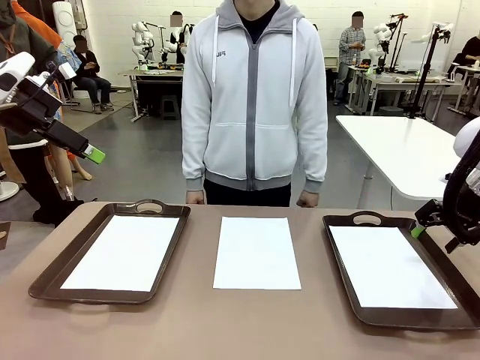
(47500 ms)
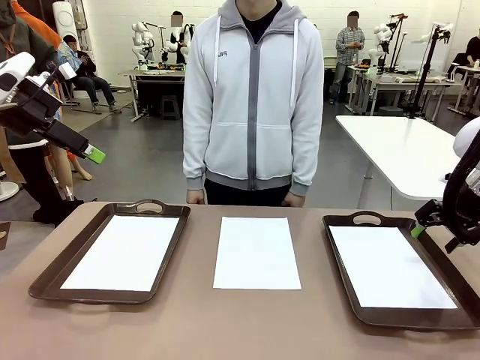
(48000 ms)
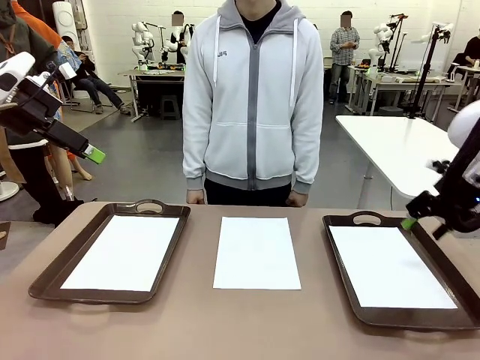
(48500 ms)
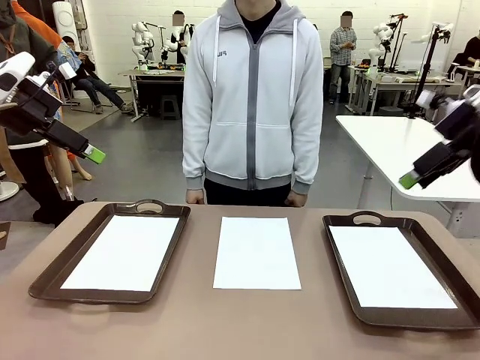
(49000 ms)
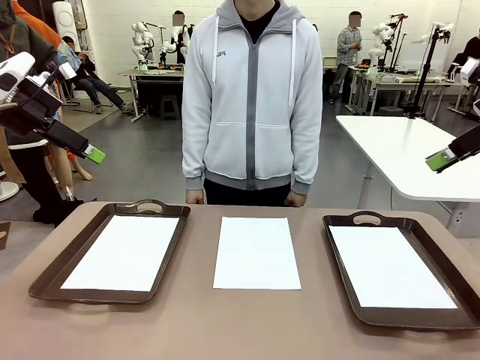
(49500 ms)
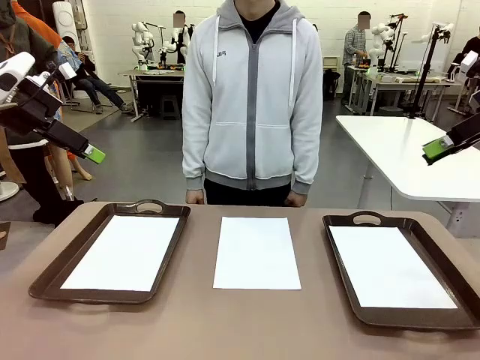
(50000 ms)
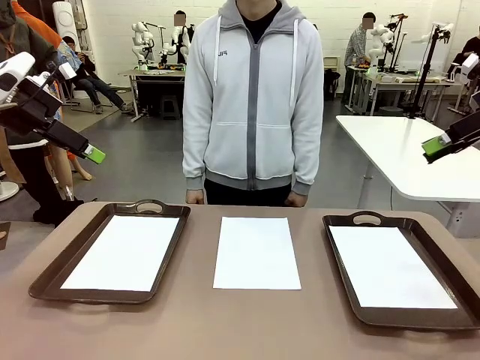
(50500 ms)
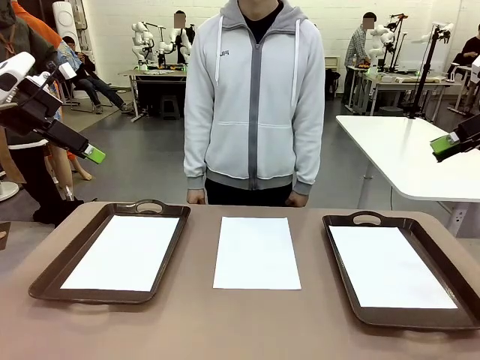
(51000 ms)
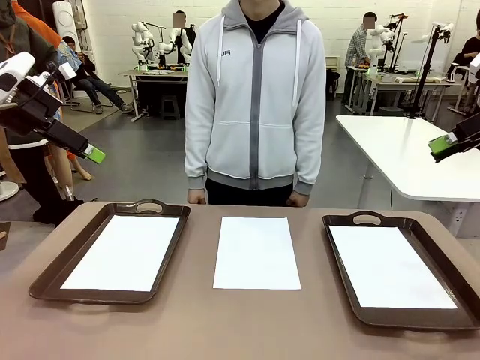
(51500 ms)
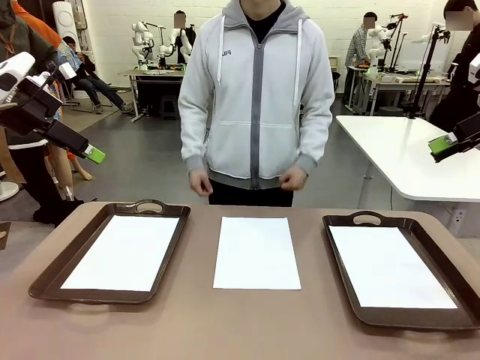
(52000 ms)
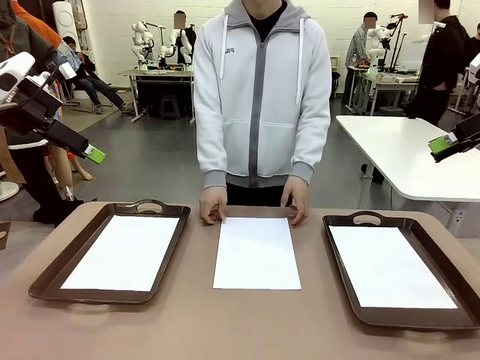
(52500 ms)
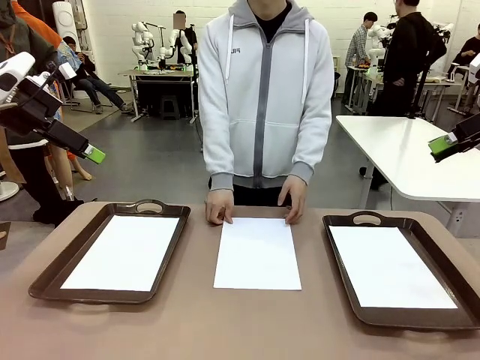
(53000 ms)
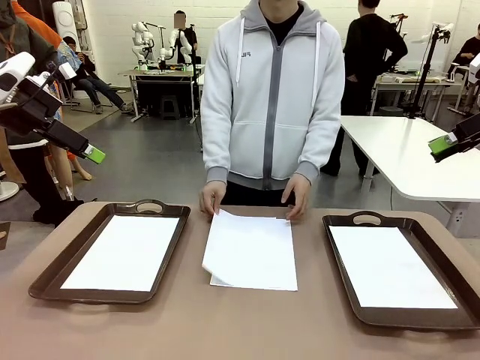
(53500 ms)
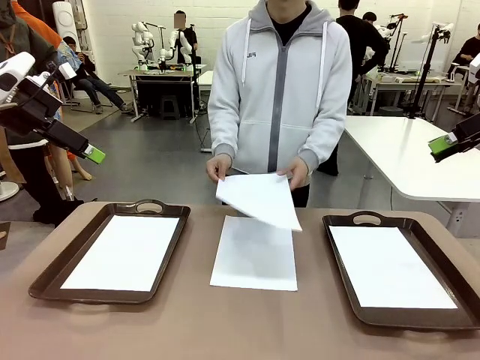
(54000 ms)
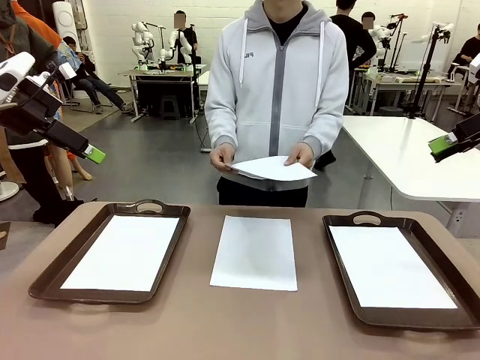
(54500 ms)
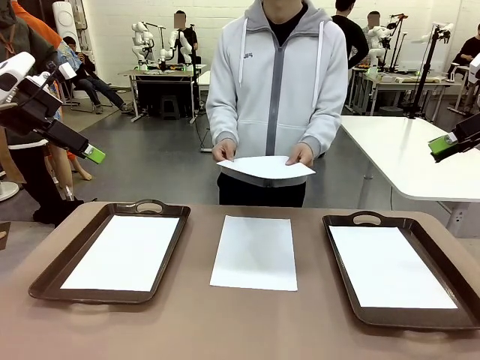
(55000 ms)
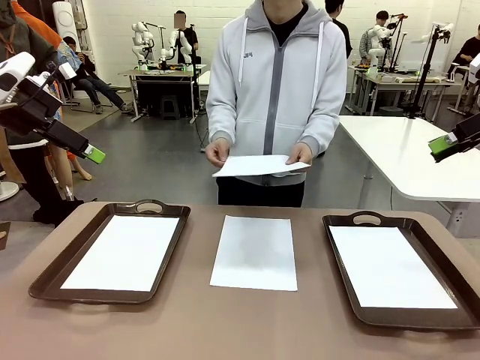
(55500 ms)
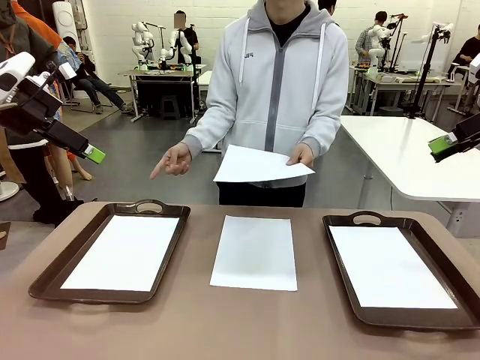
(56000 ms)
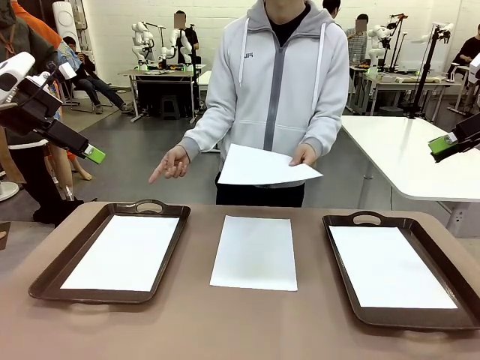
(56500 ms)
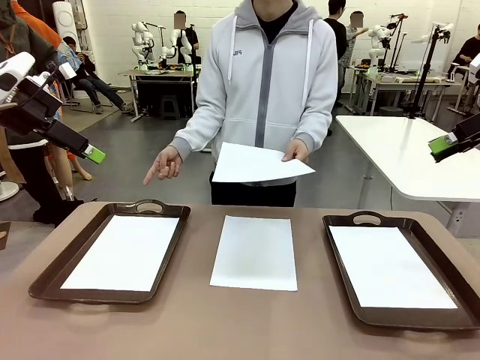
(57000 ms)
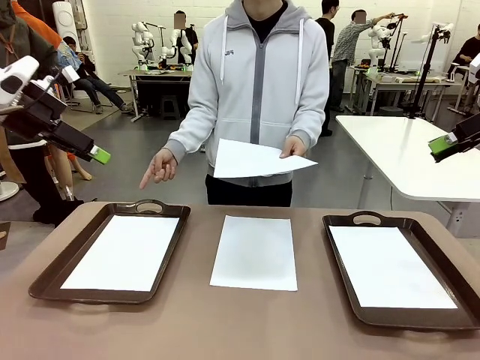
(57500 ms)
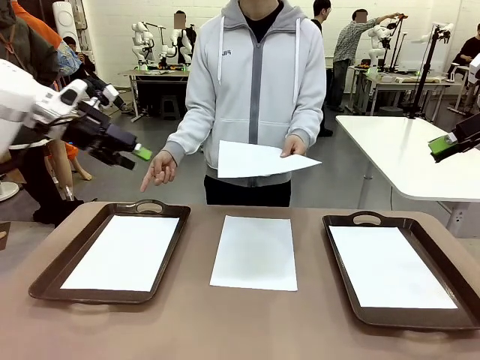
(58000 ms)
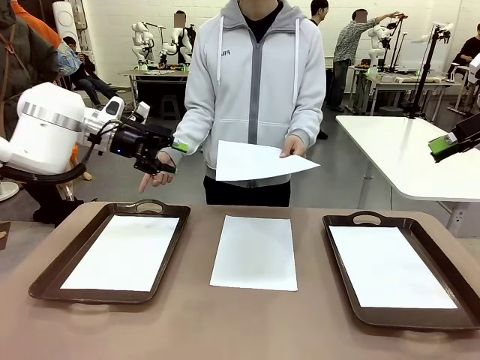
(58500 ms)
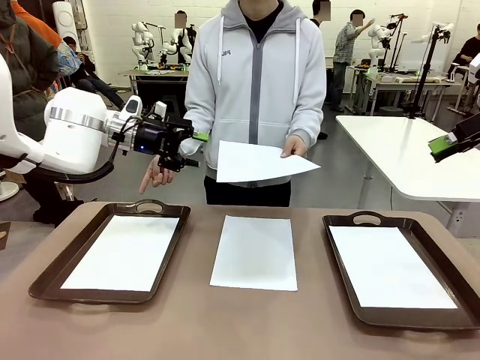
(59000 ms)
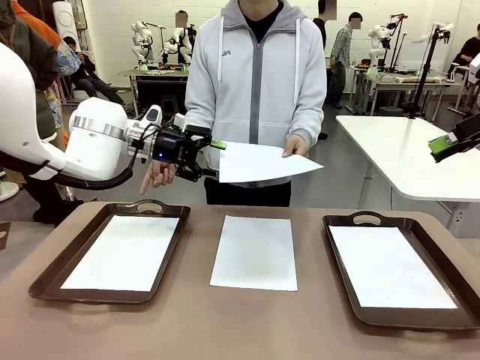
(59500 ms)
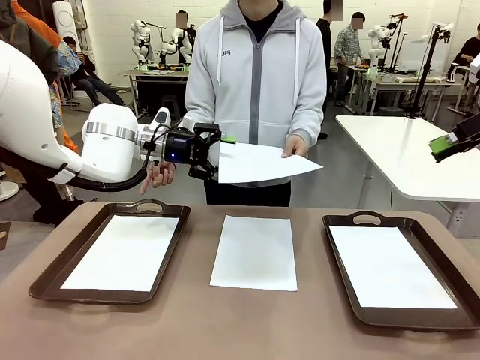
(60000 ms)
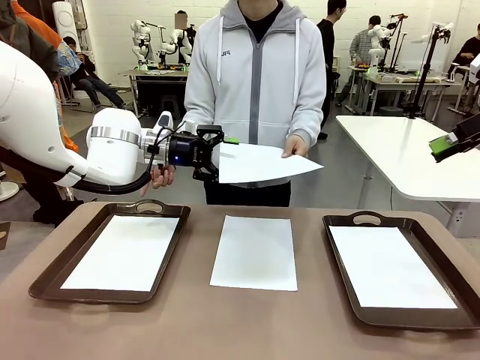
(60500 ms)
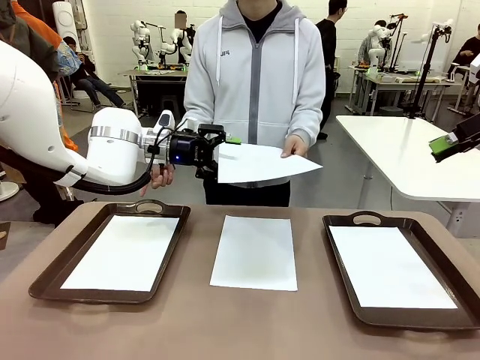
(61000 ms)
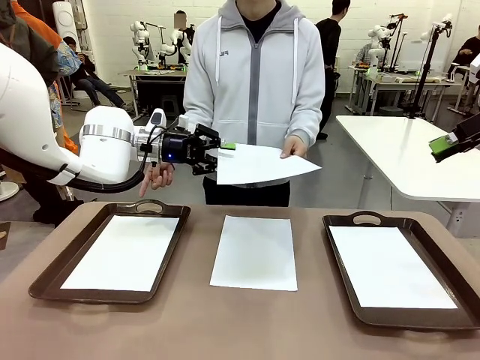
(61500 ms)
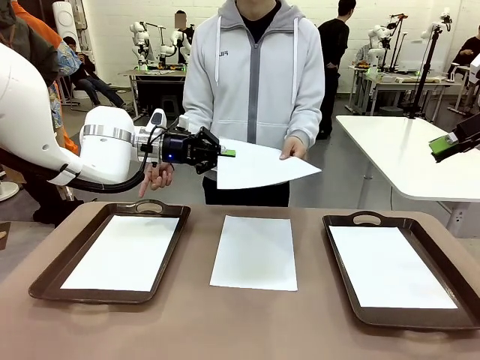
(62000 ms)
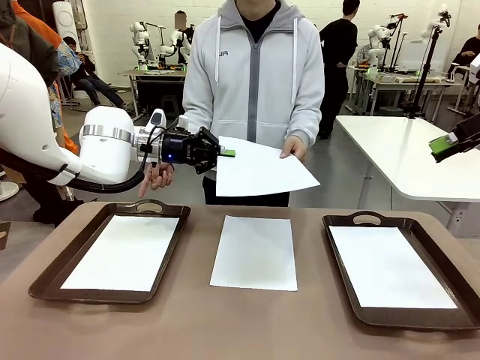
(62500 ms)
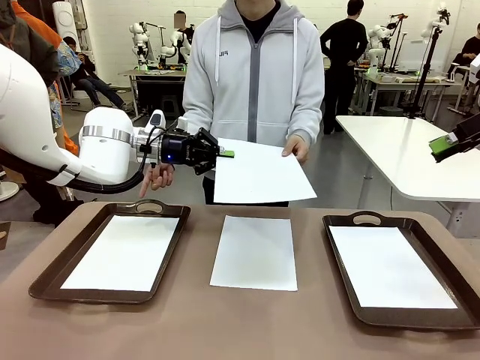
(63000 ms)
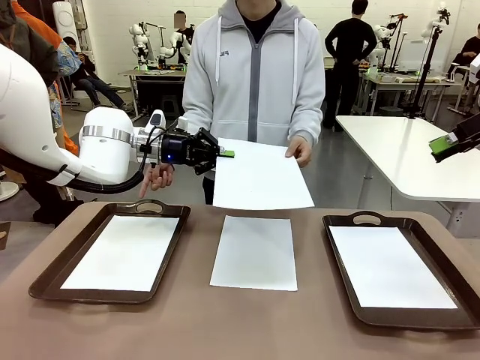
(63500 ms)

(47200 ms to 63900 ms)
Task: Sort the A4 documents.
Robot: Receive the A4 Paper.
Person: Point the randomly selected tray with the other hand.

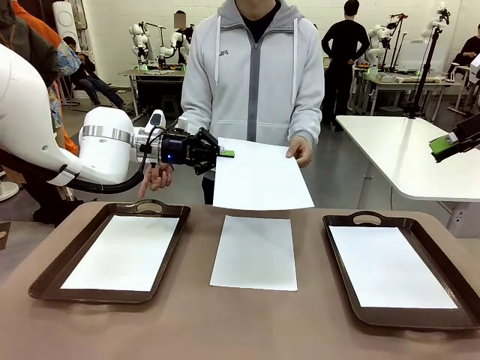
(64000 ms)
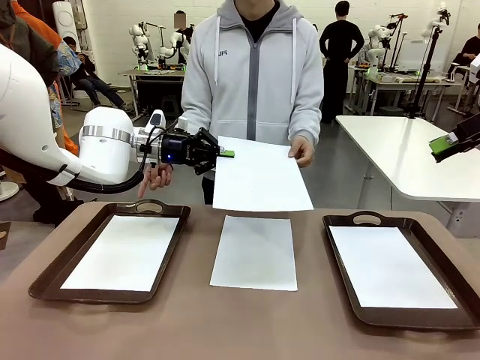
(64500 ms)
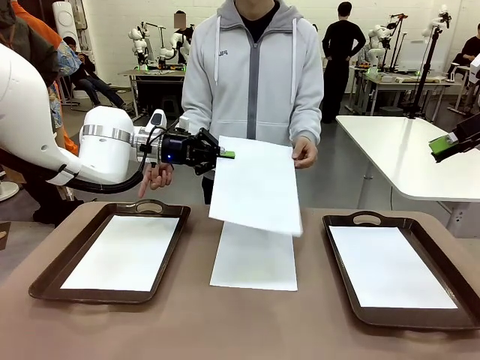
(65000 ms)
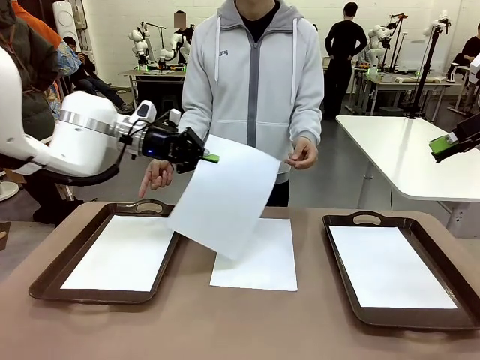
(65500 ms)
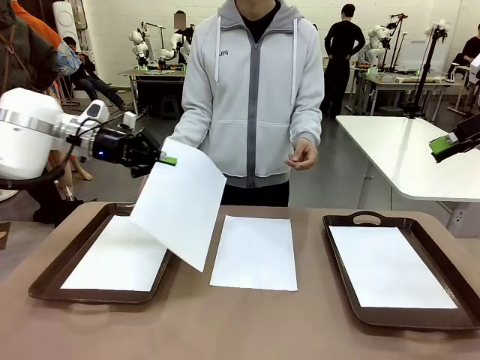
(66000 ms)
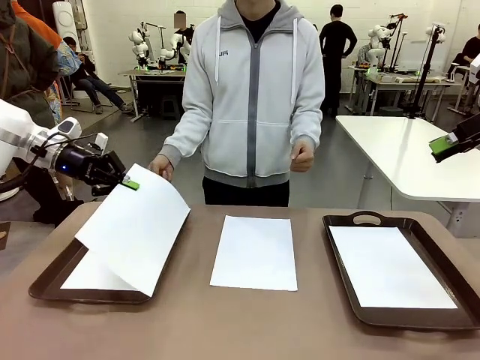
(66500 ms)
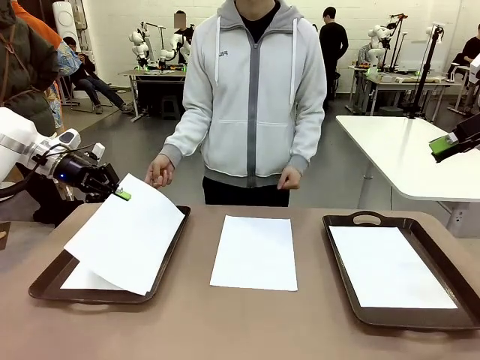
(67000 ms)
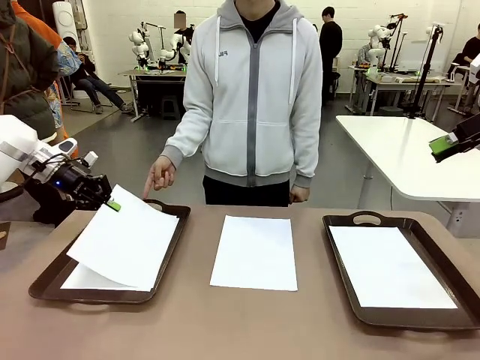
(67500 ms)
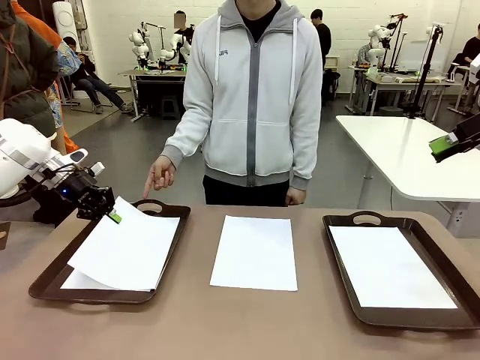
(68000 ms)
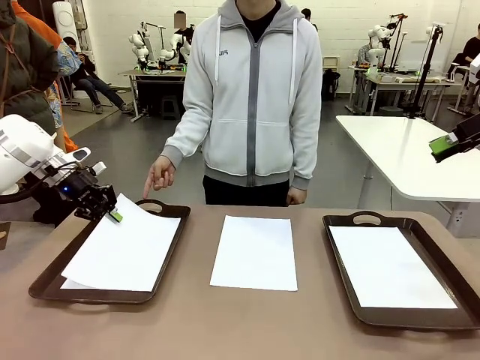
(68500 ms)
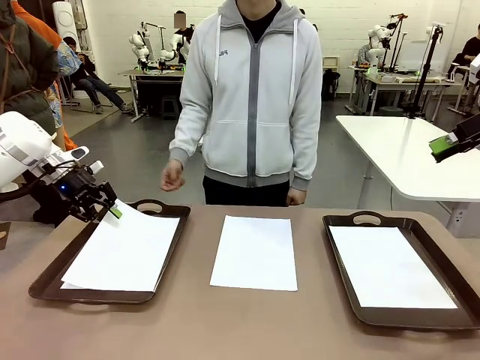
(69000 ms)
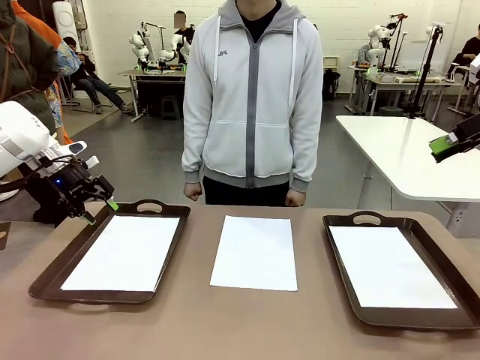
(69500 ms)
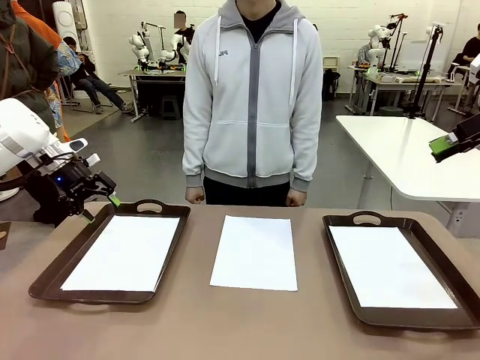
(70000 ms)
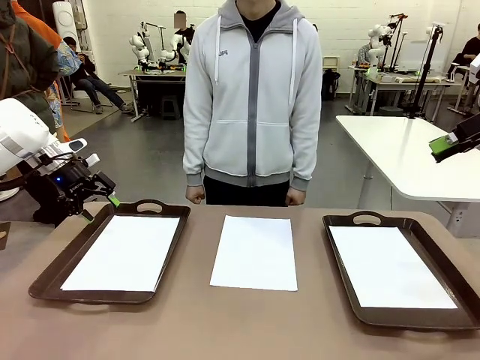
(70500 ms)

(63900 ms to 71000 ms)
Robot: Place the A4 Paper in the designated Handle tray.

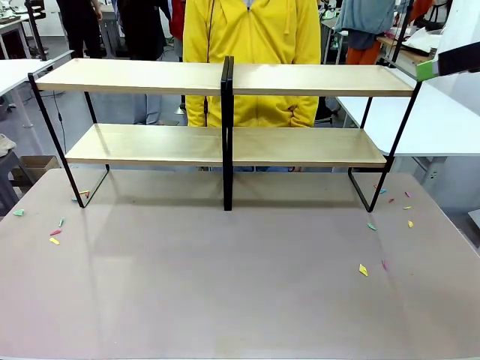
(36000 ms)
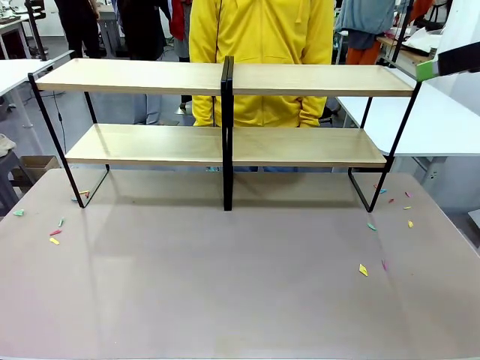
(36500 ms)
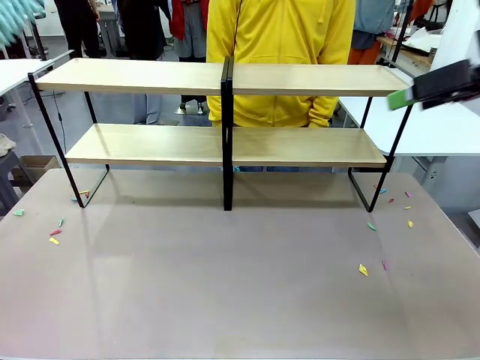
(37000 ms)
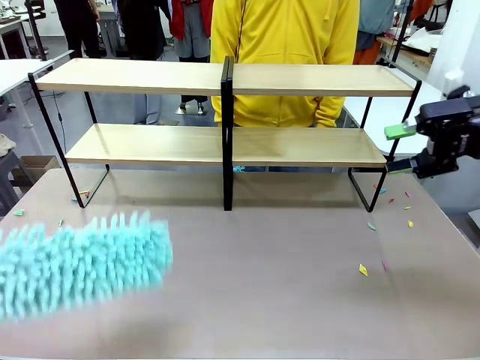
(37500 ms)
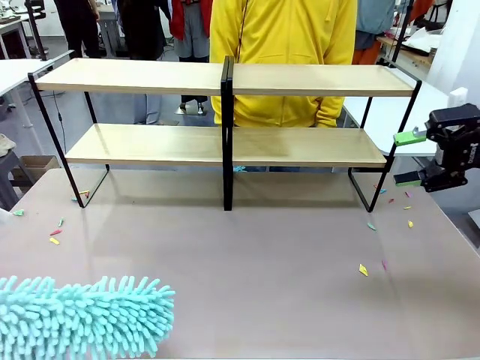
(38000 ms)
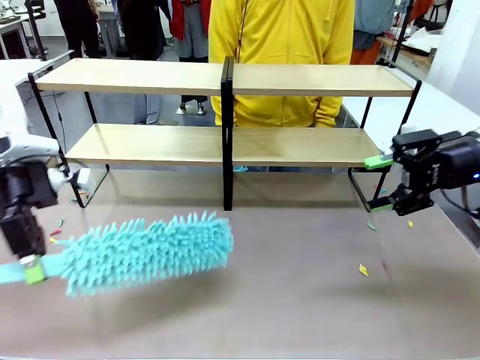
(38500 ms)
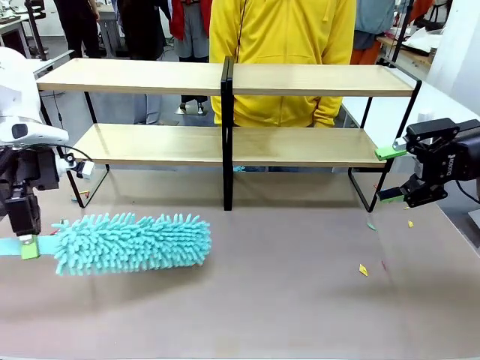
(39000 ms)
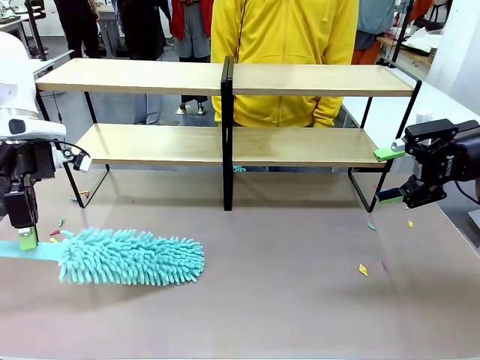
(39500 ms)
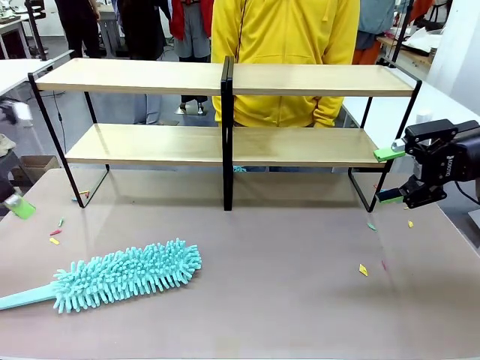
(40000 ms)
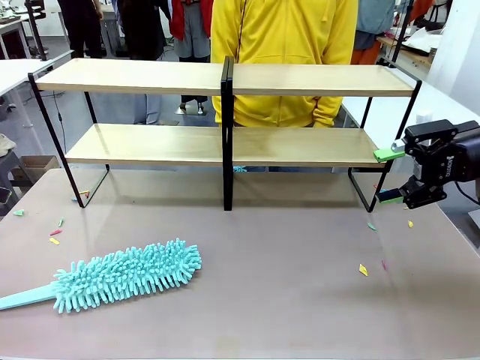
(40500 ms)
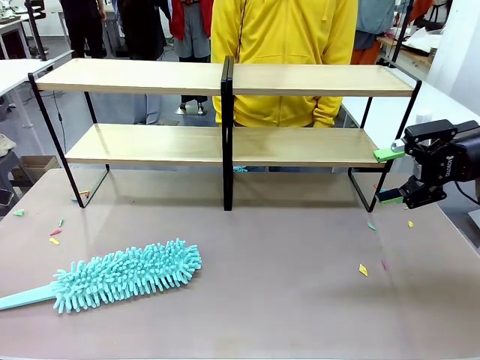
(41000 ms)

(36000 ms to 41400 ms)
Task: Clean the shelves.
Robot: Place the Duster on the table.
